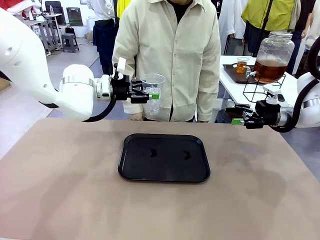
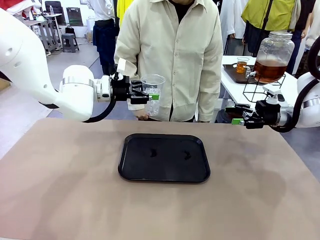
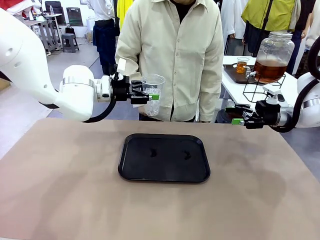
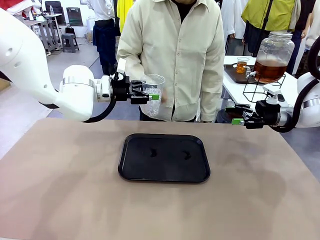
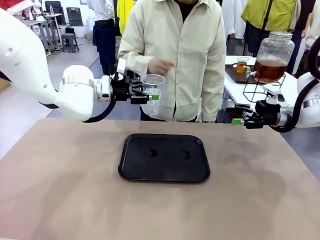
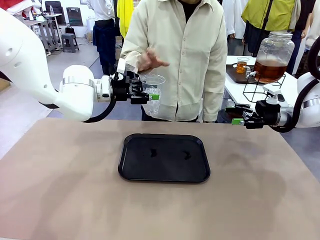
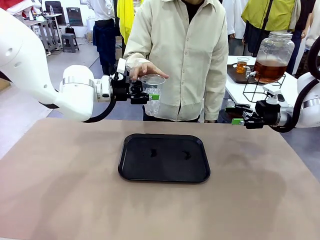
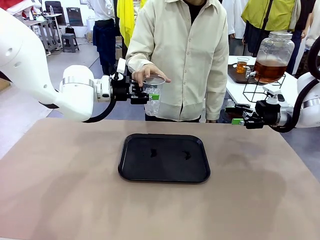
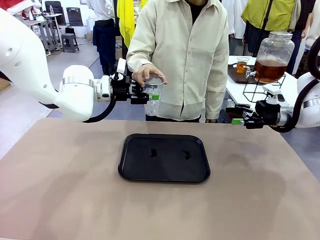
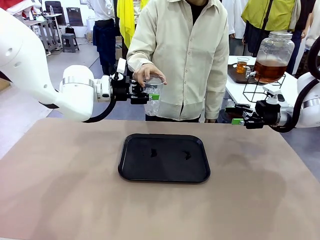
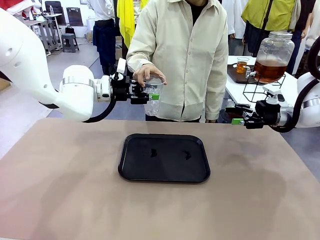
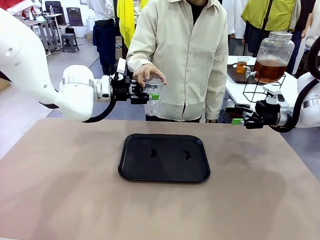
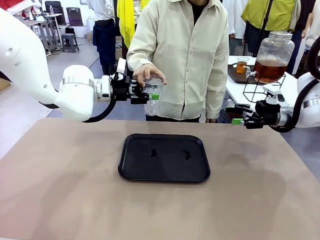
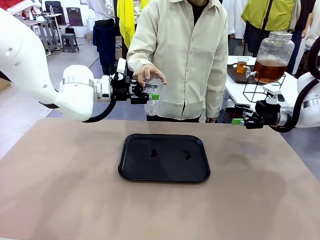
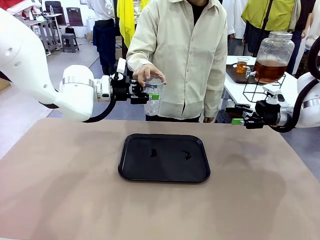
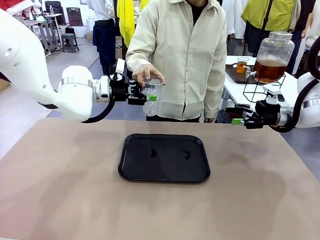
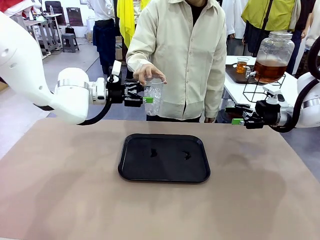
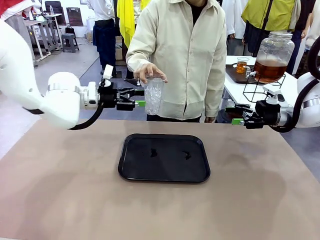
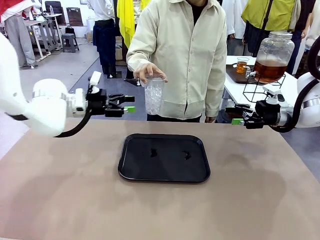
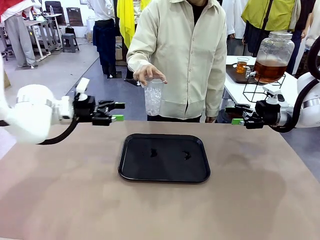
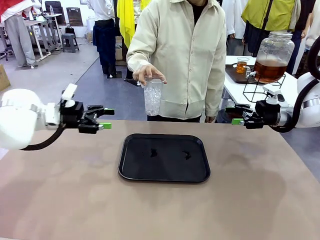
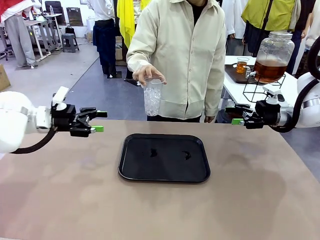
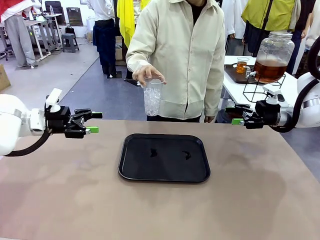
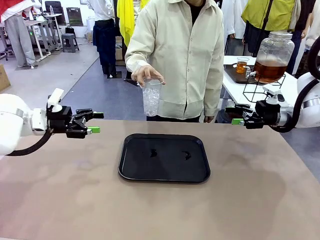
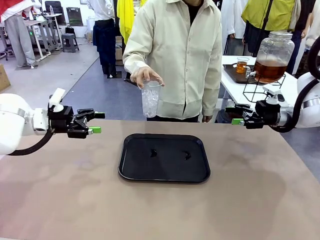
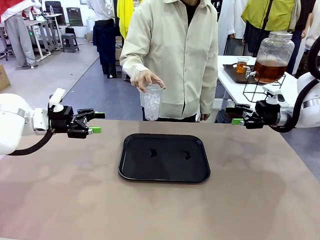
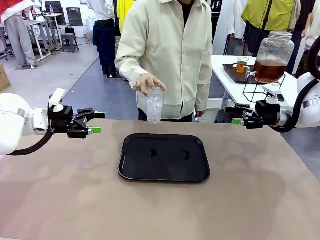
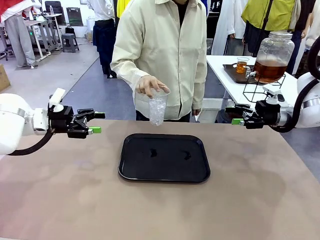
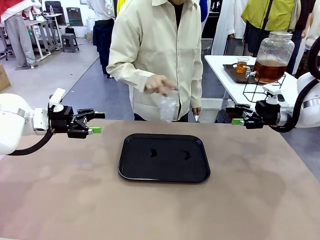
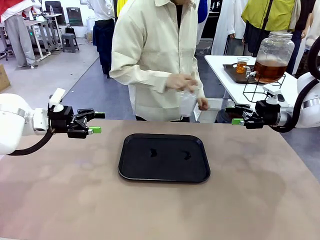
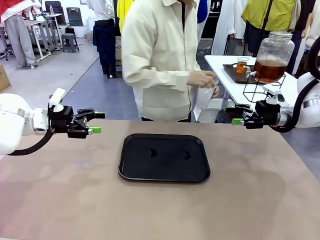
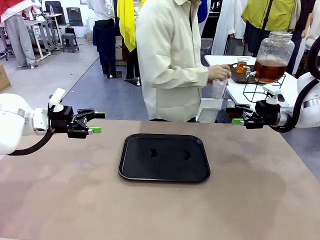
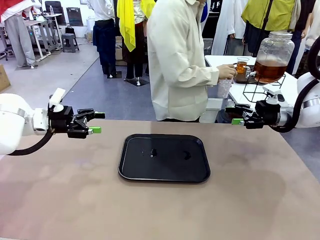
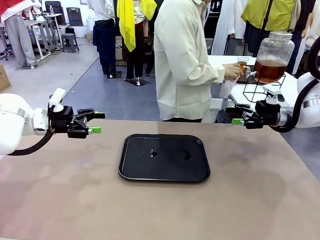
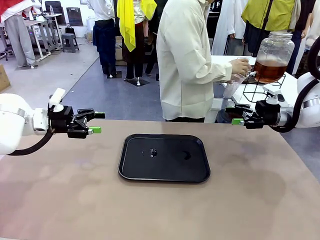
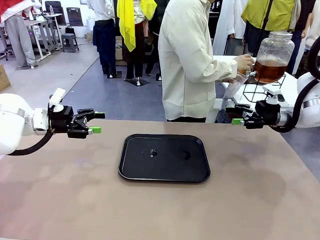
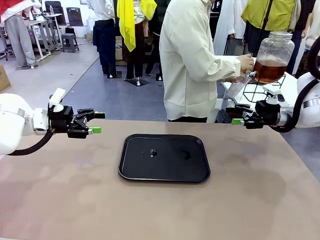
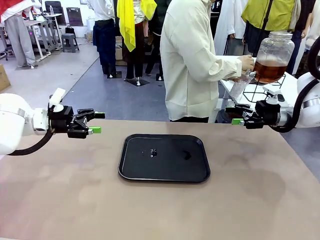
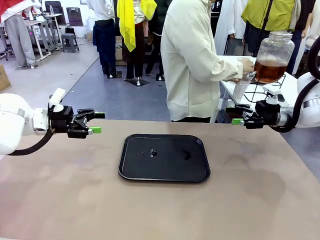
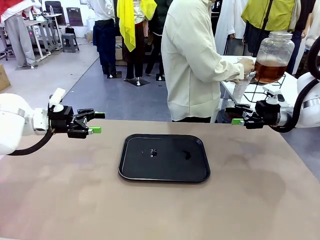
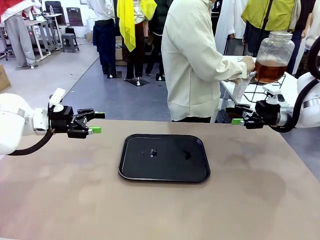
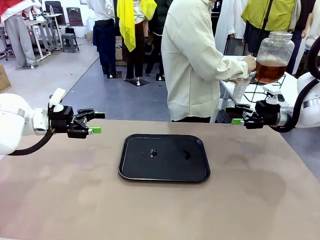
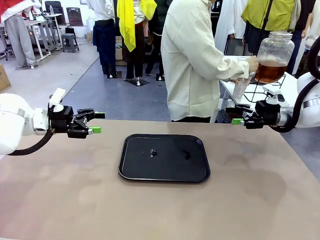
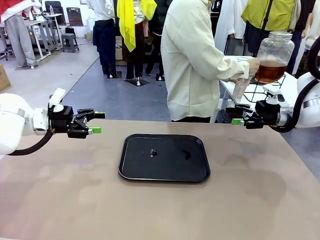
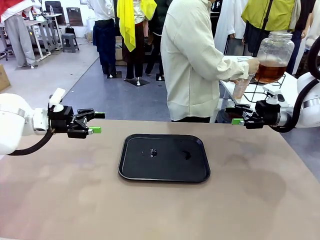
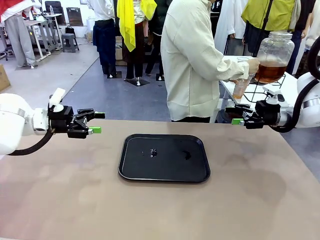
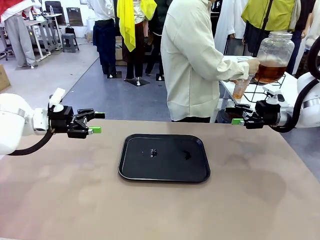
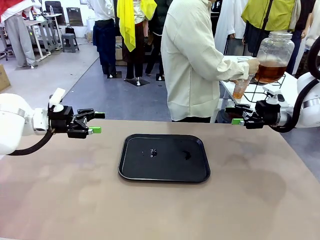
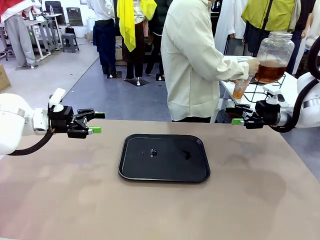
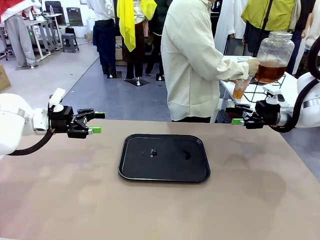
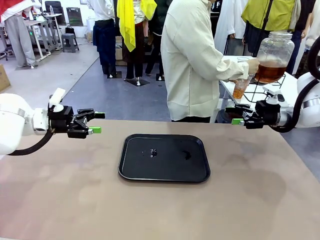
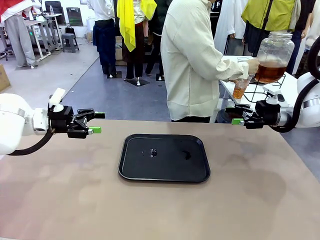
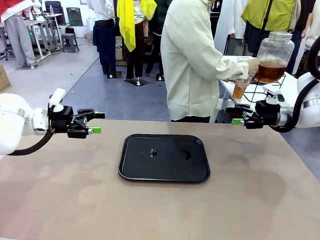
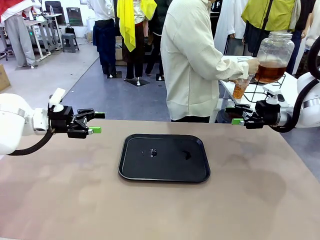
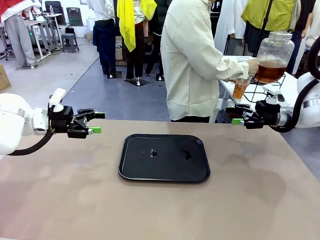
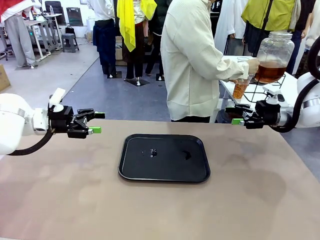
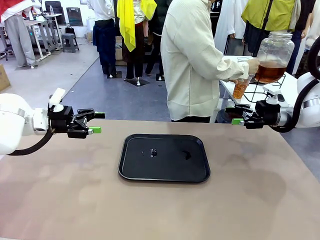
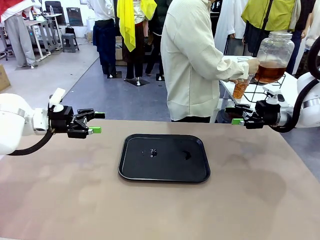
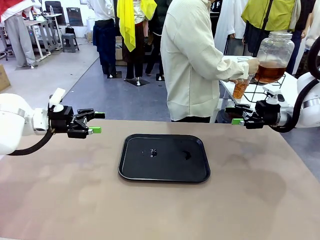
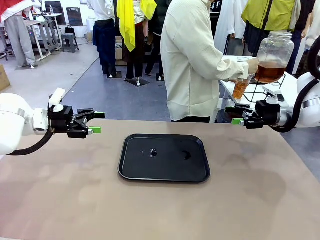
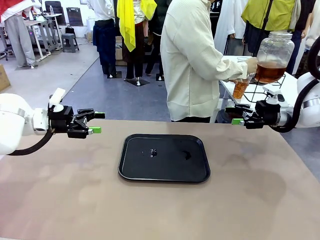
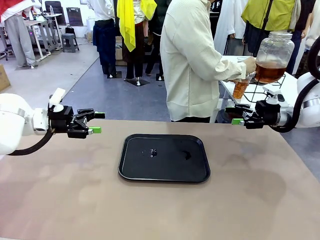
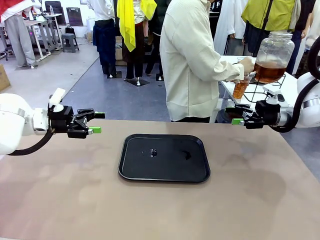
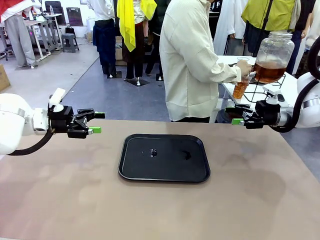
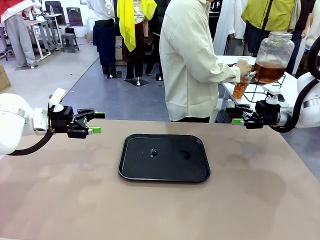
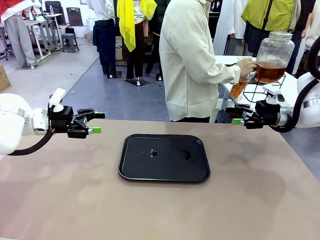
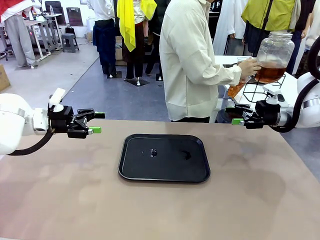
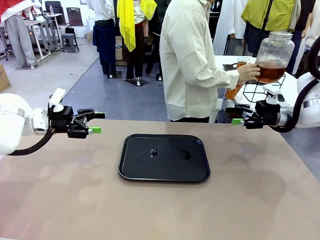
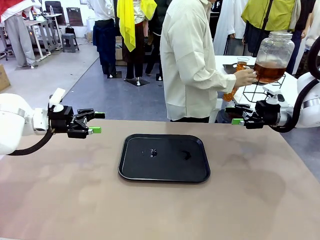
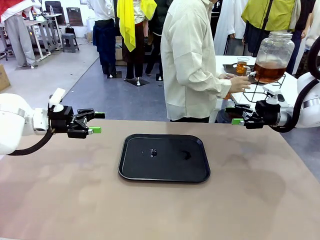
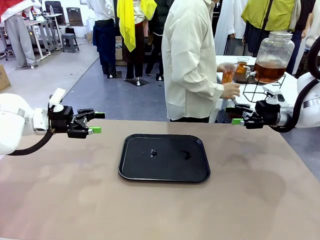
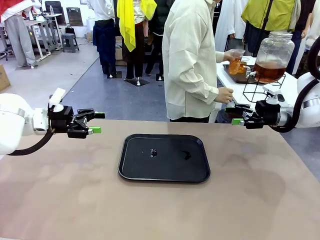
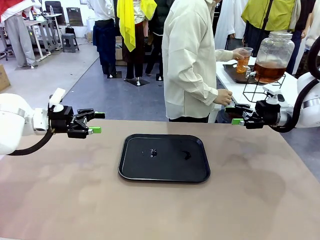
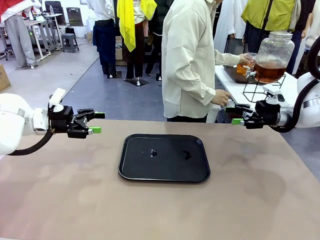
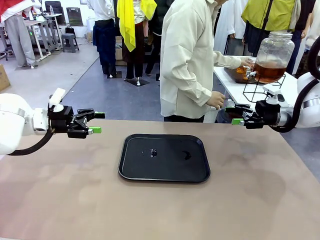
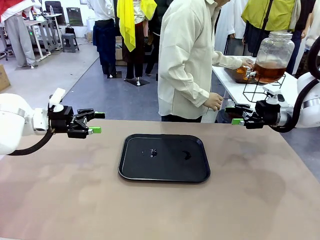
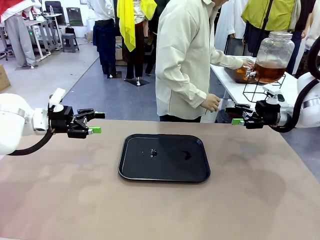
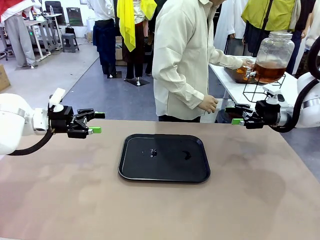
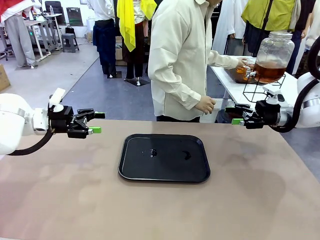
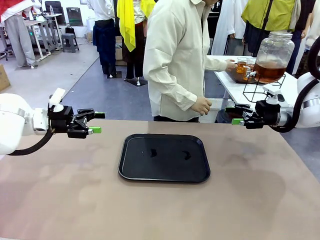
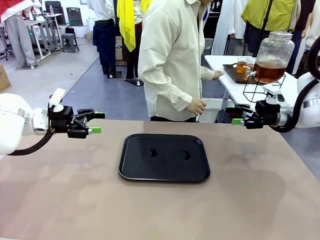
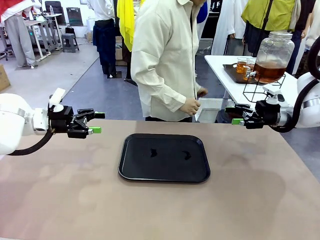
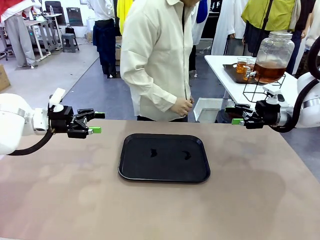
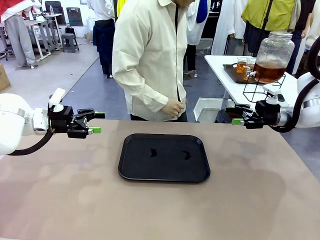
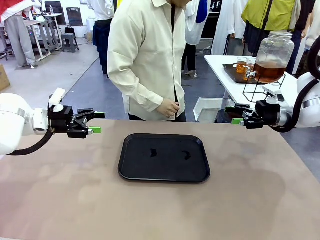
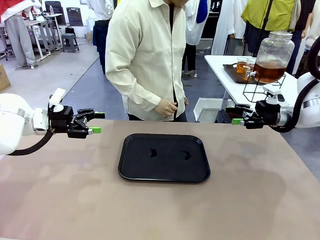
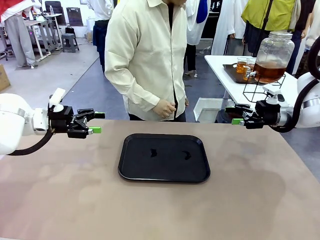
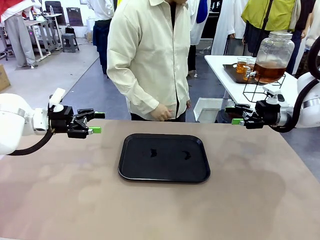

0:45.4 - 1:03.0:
Task: Pour the drink into the iced cup.
Robot: Open the gripper to release the iced cup you were holding.
Person: Move the picked-up cup under the dispenser faucet, pour the drink, and place it on the tray on the human table.

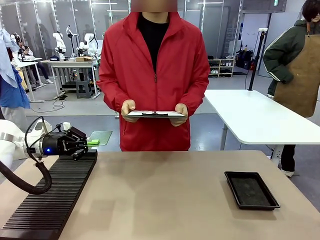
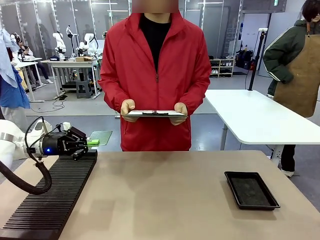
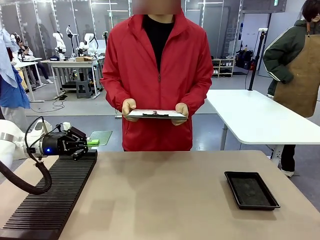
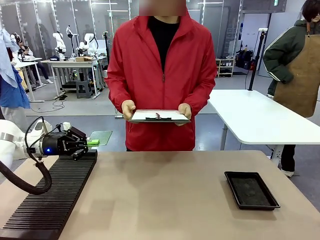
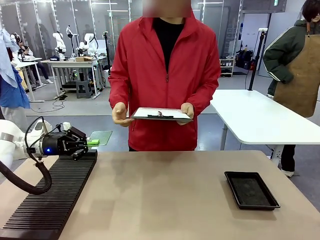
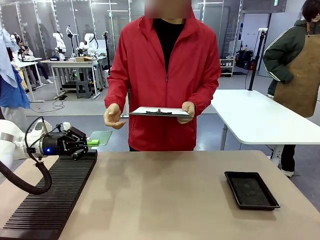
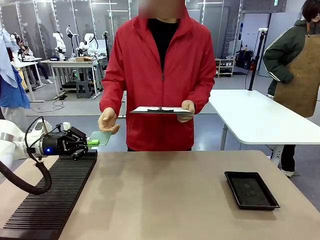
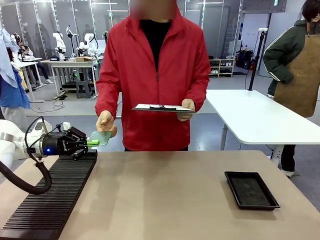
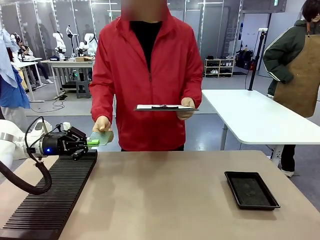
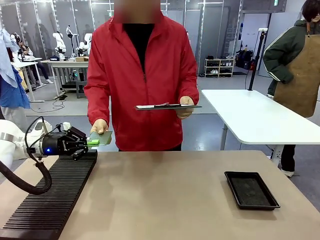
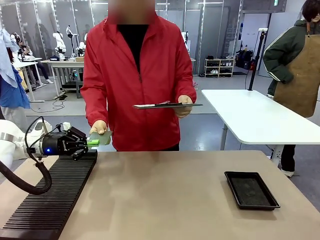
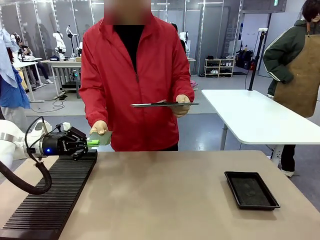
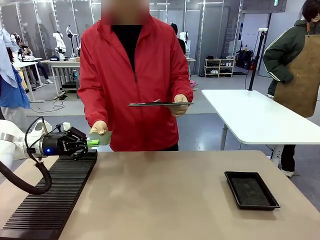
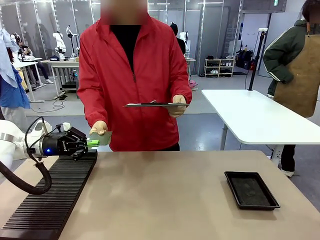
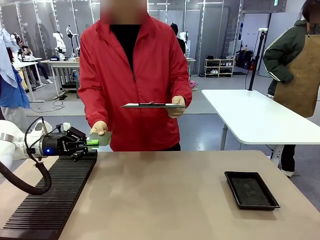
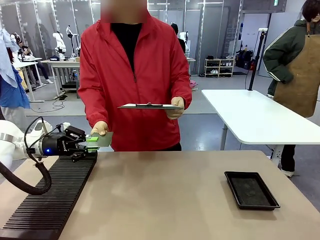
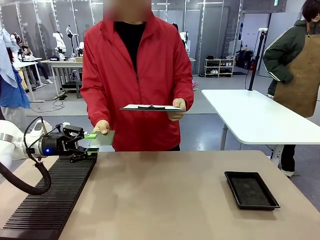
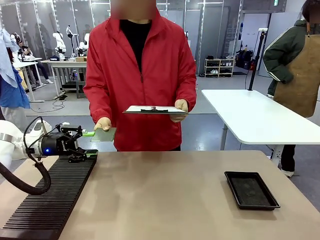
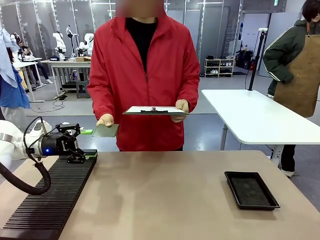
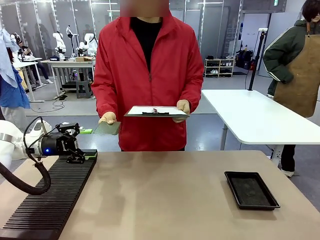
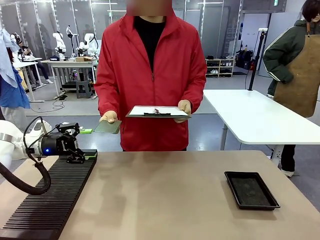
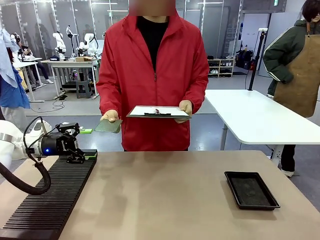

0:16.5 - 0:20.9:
Task: Inspect the PCB.
Robot: Release the Blank PCB you were holding.
